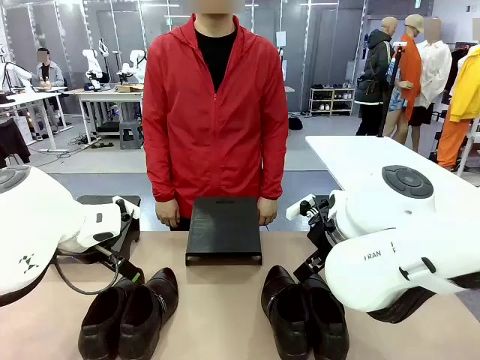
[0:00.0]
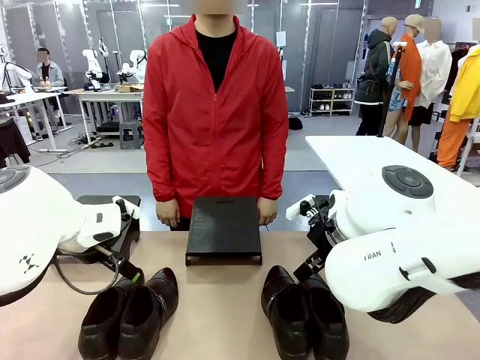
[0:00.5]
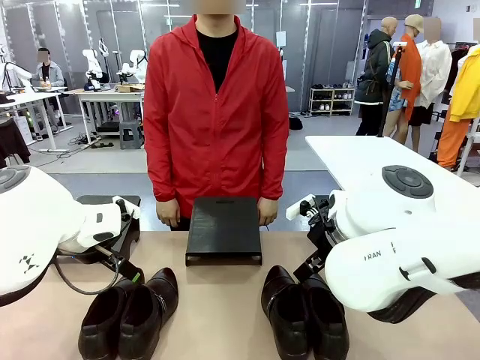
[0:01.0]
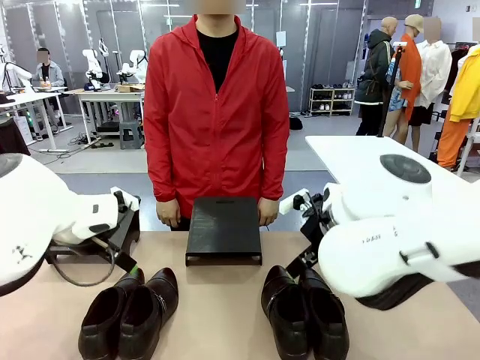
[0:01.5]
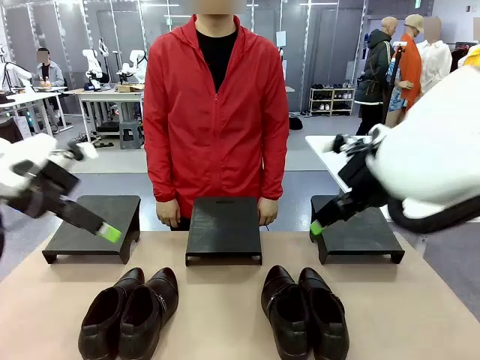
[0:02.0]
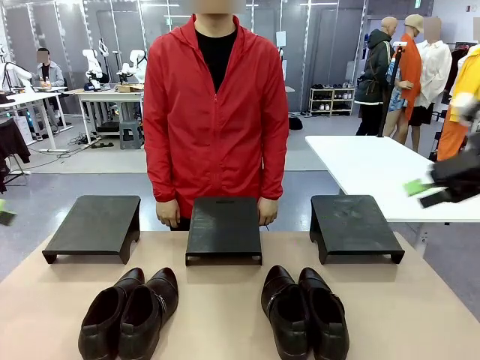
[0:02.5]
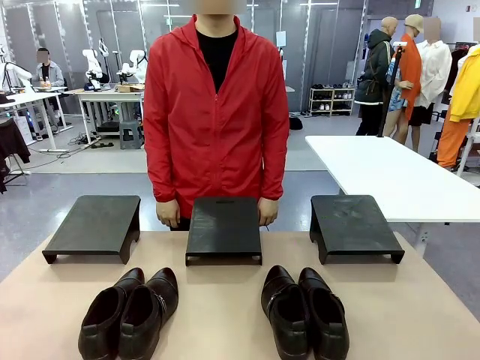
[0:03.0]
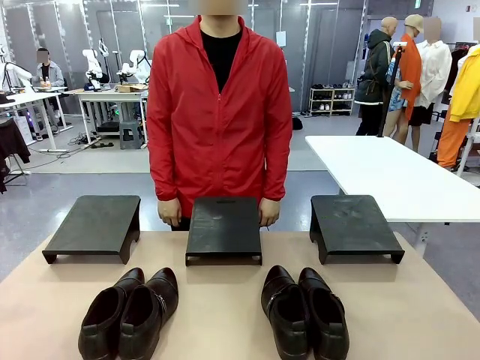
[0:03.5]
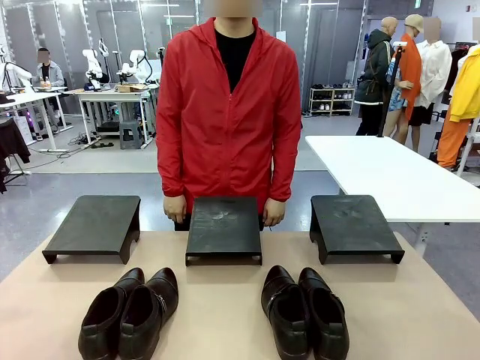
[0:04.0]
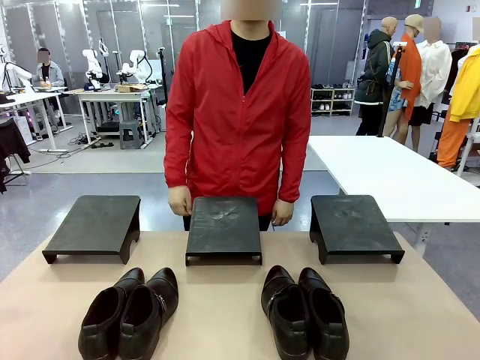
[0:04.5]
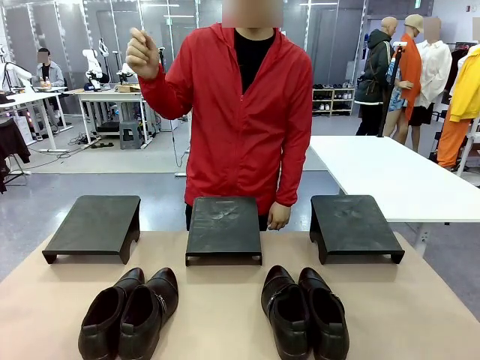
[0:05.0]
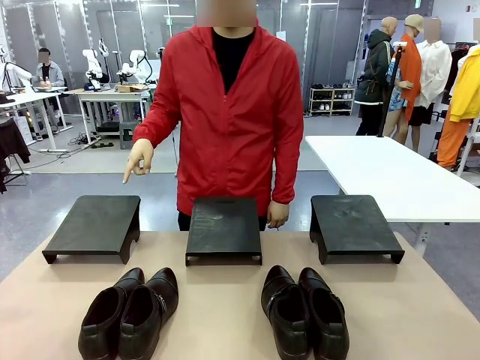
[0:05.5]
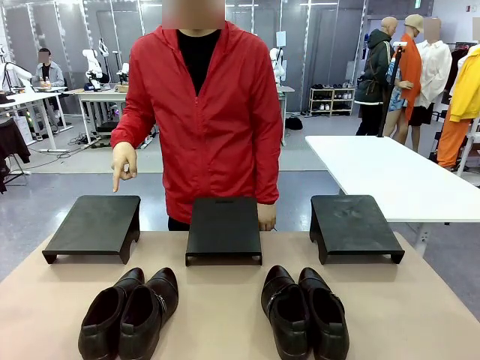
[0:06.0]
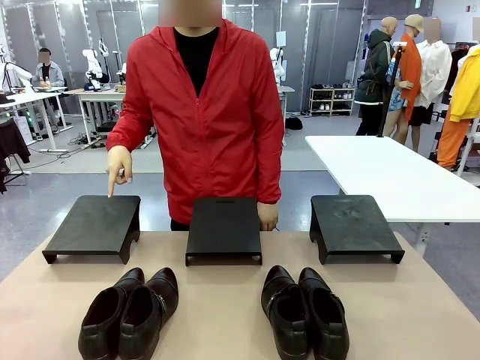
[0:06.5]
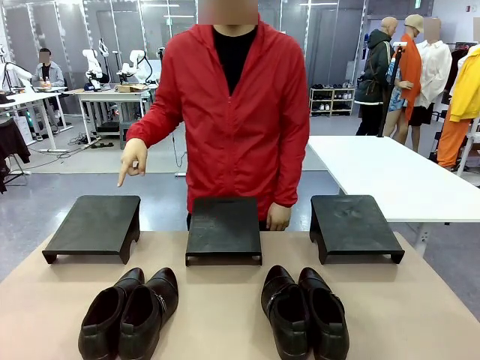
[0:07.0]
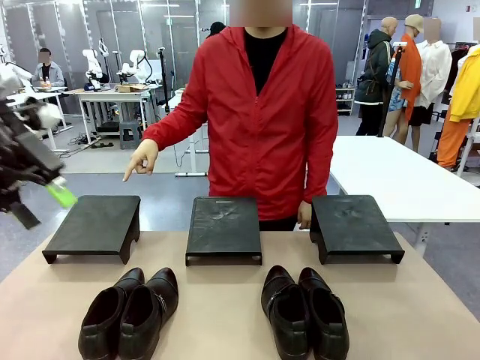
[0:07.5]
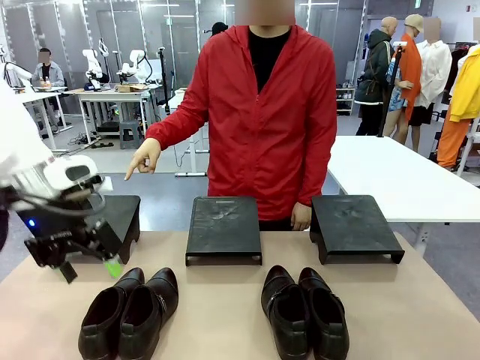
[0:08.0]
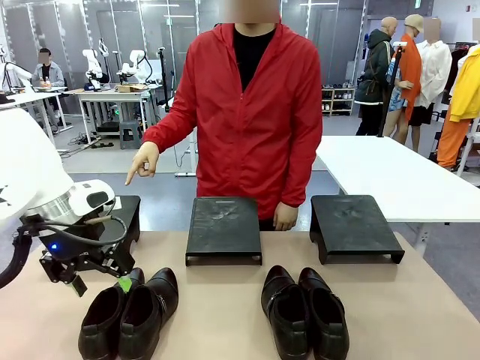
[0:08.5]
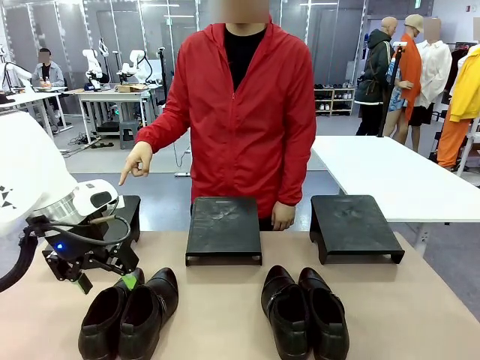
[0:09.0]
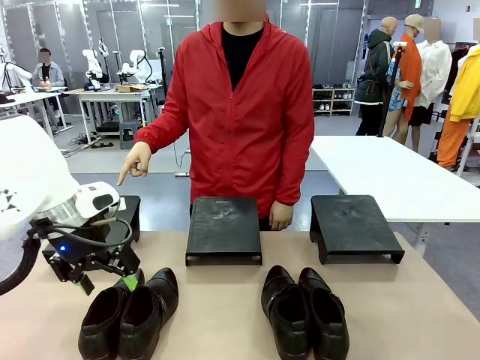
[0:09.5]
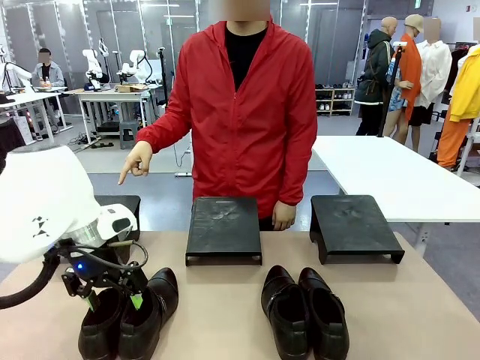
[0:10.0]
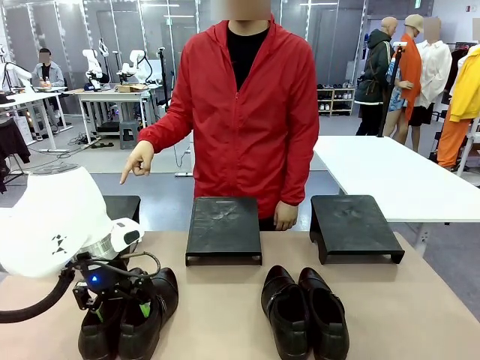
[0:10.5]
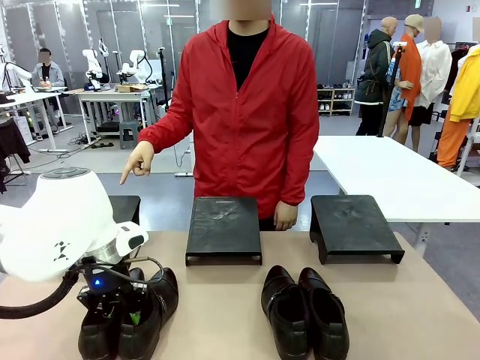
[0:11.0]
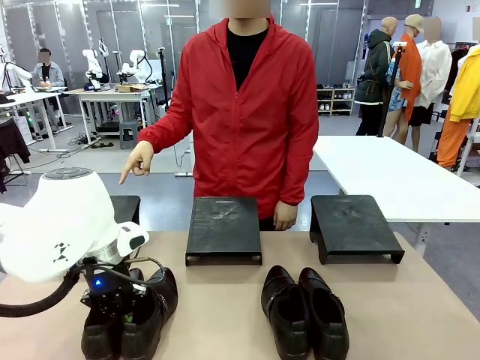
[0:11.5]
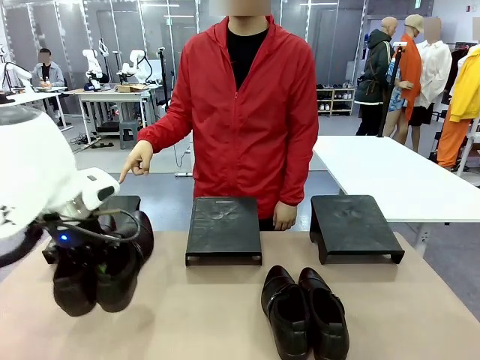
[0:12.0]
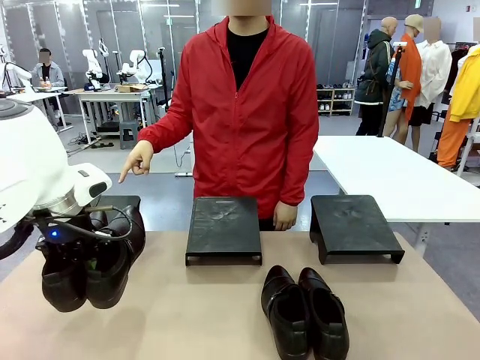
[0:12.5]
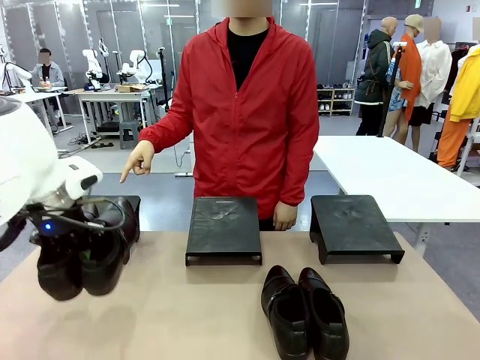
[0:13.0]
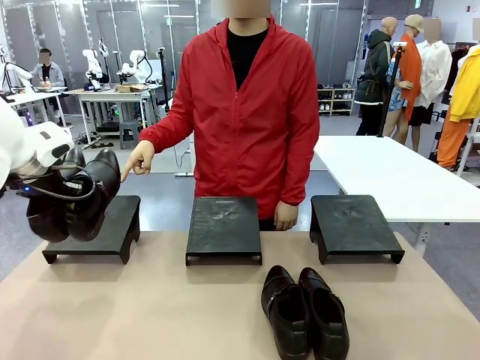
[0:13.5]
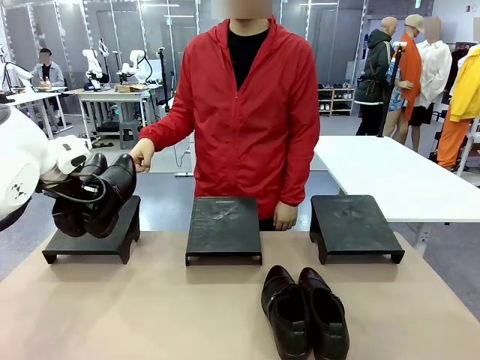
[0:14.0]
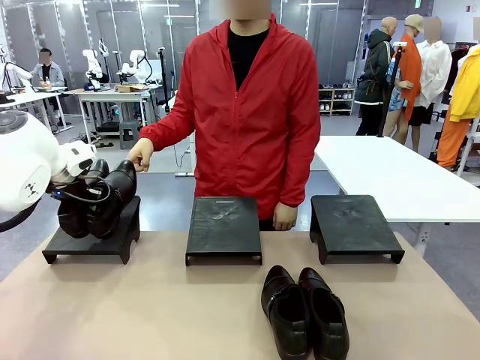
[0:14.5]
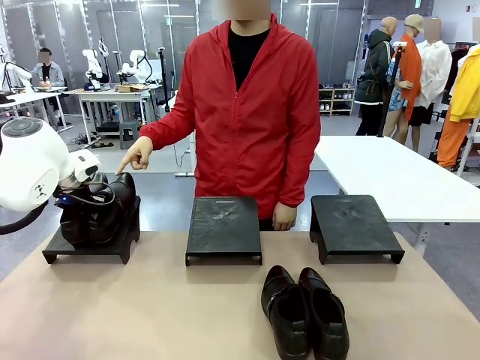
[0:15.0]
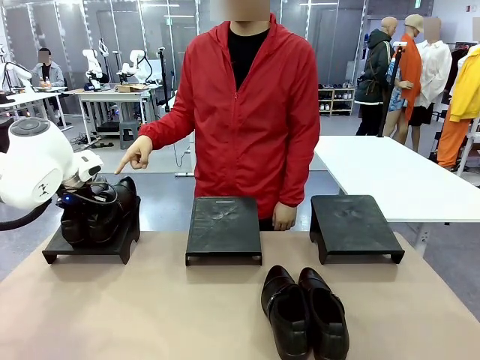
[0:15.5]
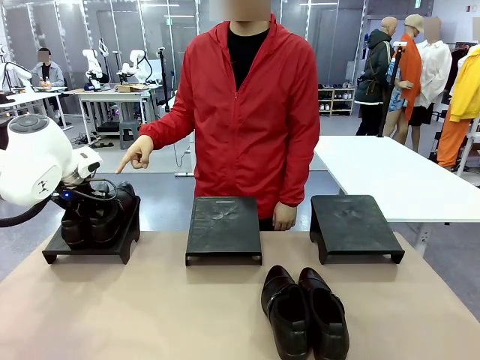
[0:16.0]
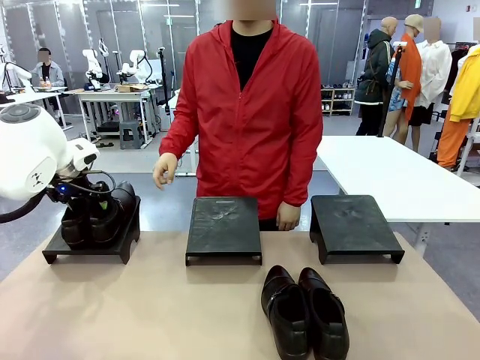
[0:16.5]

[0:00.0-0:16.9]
Task: Place the shoes on the stand as instructed by the person.
Robot: Pick up one pair of Shoes and place it on the Shoes Stand indicated by the person.
